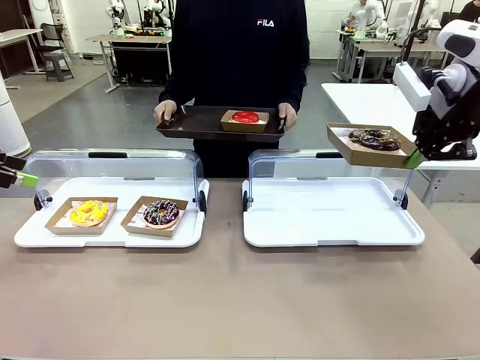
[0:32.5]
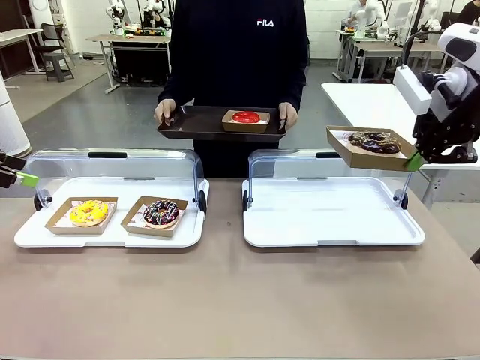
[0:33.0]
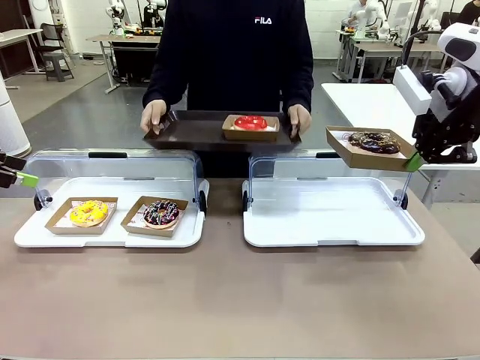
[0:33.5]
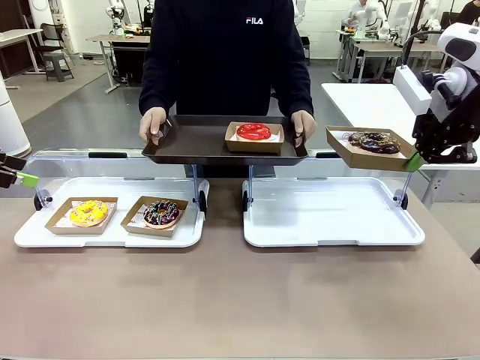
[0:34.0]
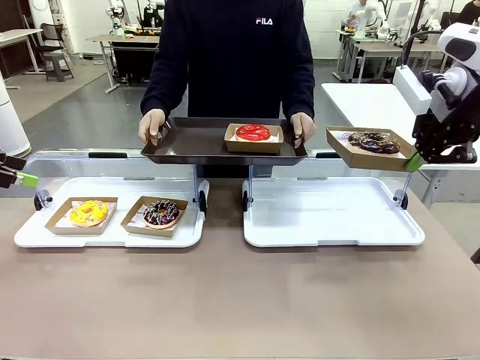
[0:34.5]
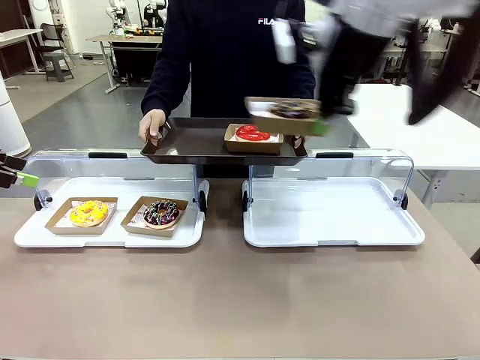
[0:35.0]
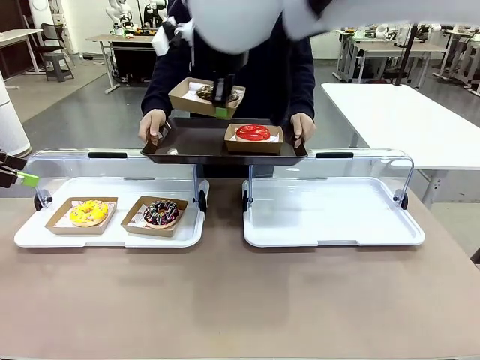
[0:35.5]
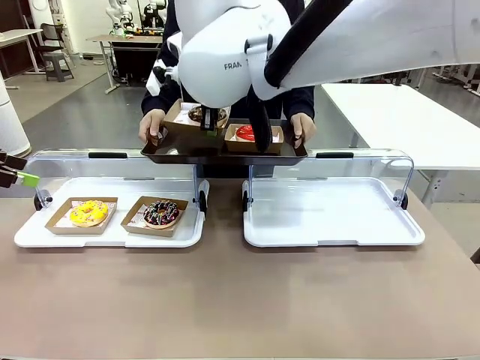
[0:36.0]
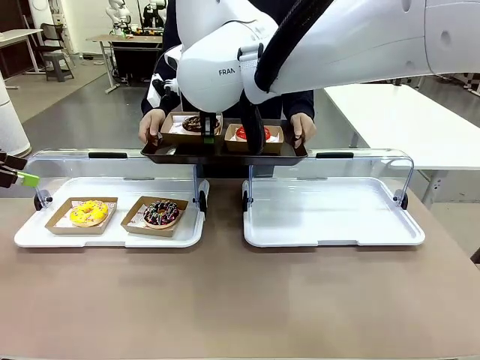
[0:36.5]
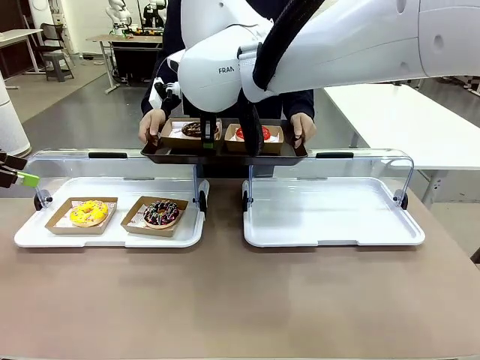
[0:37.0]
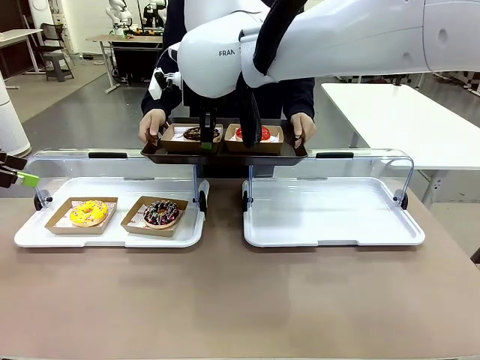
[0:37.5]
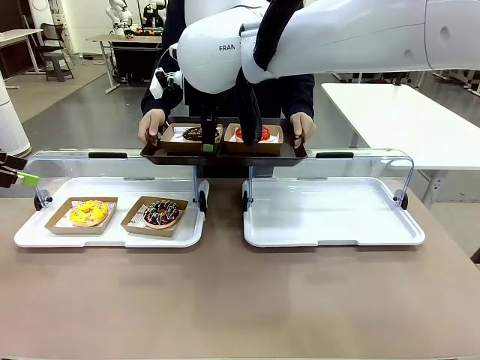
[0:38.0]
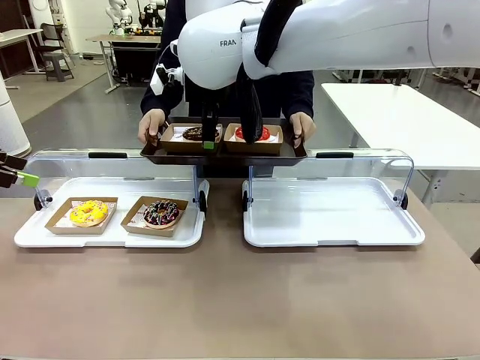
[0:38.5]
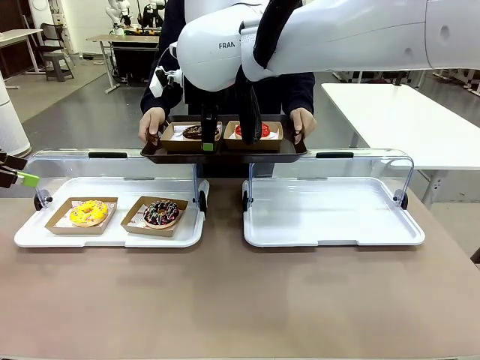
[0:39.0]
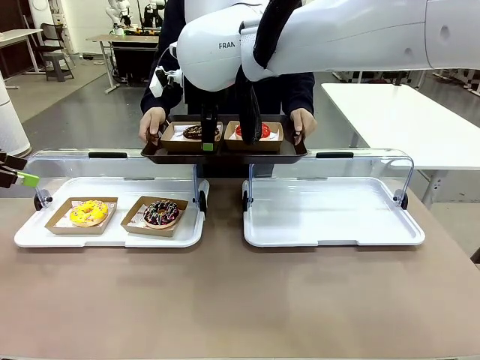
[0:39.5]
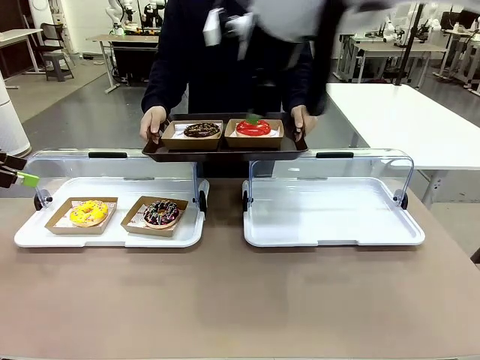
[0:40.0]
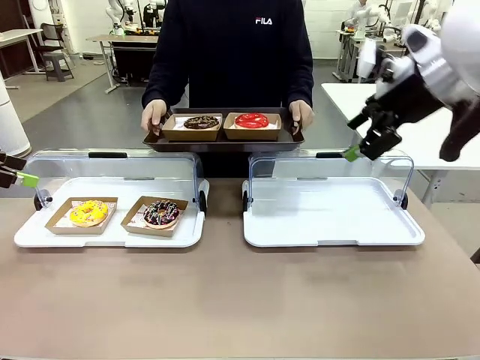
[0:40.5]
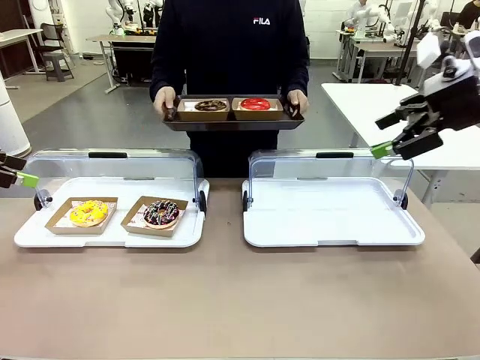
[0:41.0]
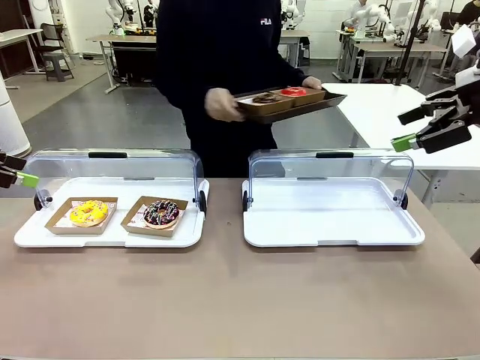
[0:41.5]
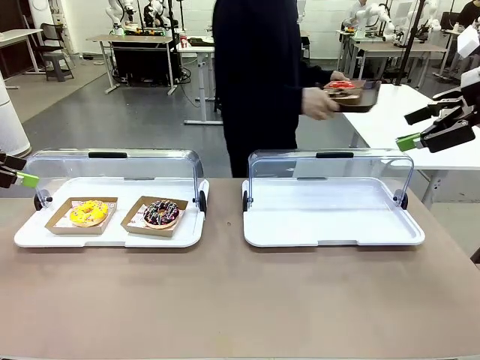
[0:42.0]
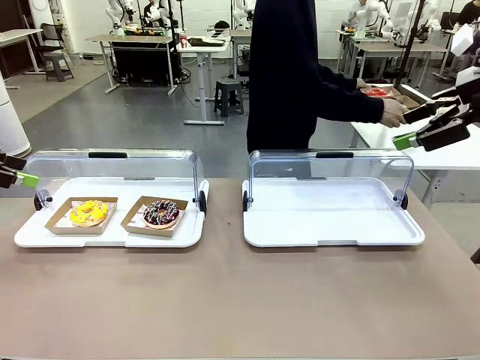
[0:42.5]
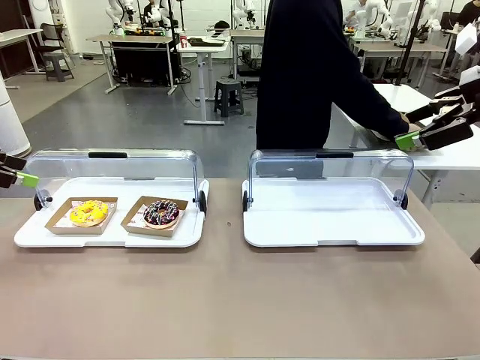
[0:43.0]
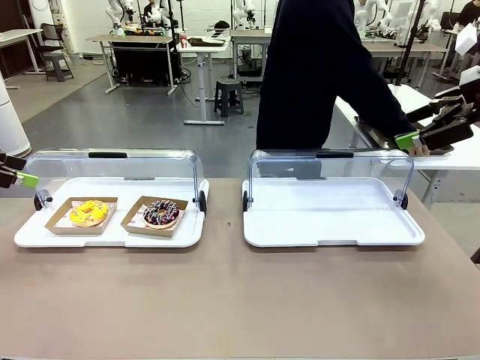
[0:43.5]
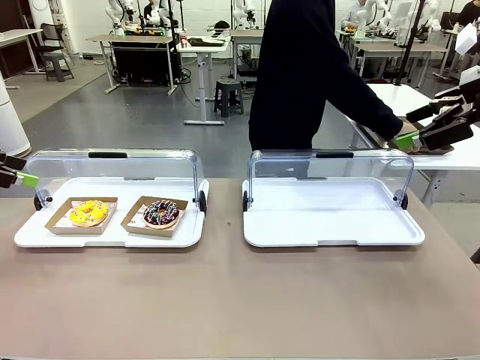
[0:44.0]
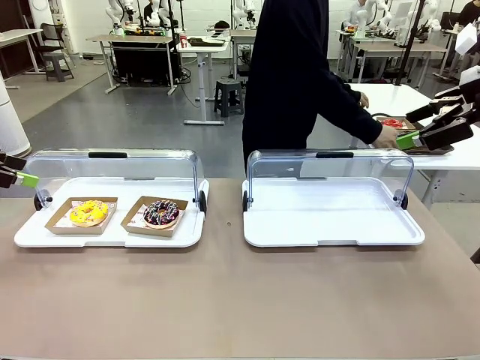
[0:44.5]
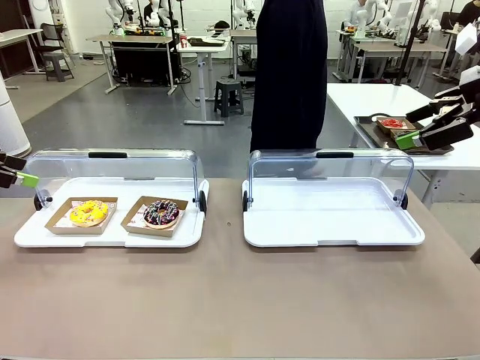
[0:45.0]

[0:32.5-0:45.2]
Task: Provide the desired donut to the person.
Robot: Place the picked Paper togo box onto the Handle tray extended by the person.
Person: Place the tray in the middle of the human table.

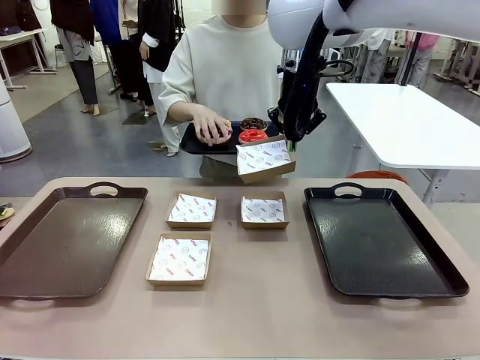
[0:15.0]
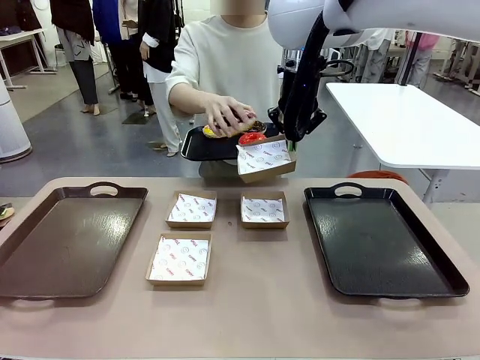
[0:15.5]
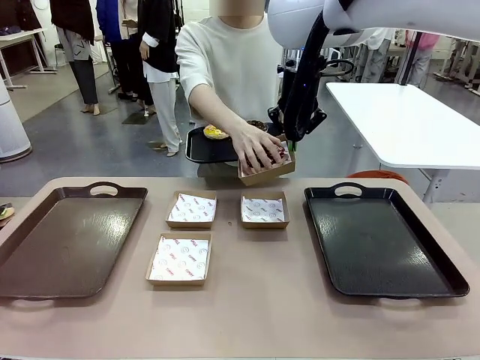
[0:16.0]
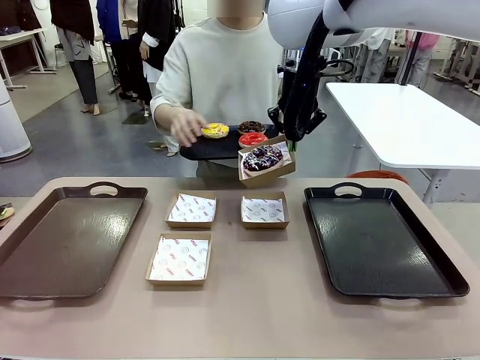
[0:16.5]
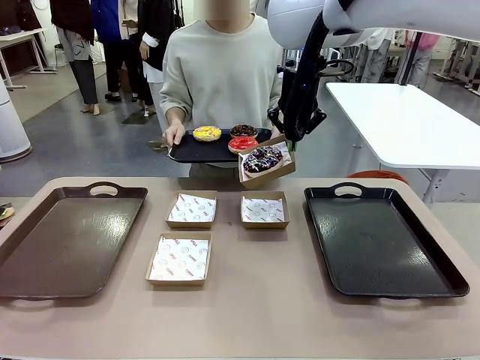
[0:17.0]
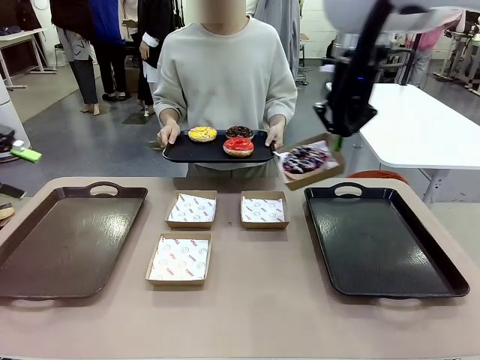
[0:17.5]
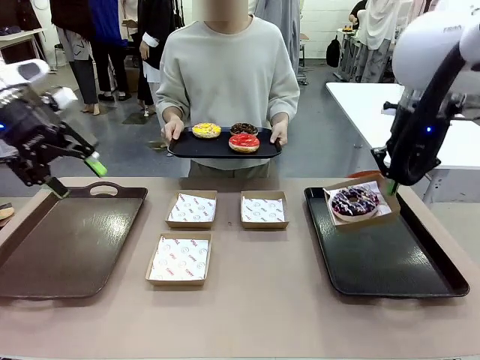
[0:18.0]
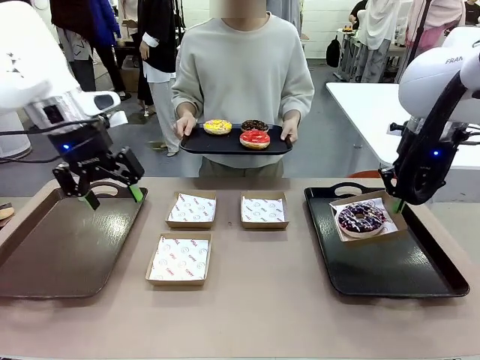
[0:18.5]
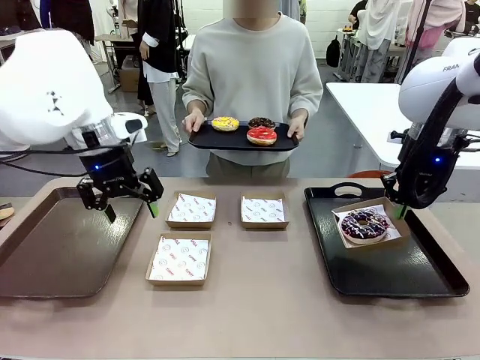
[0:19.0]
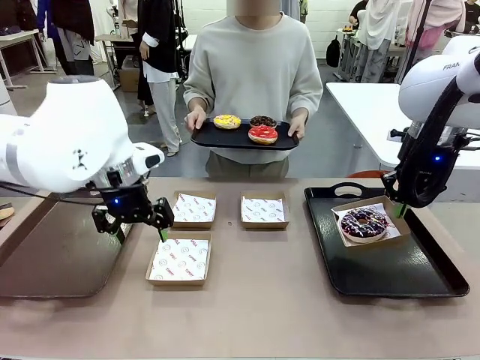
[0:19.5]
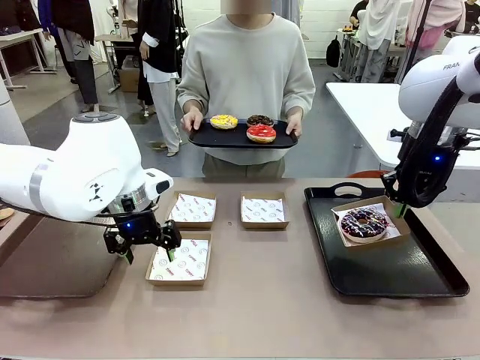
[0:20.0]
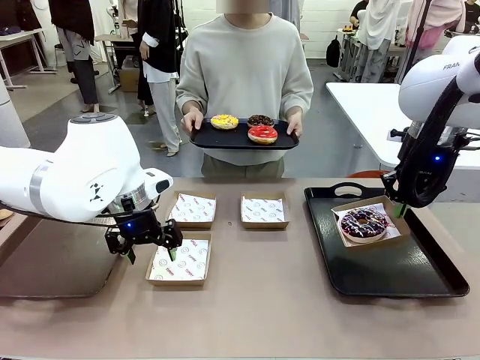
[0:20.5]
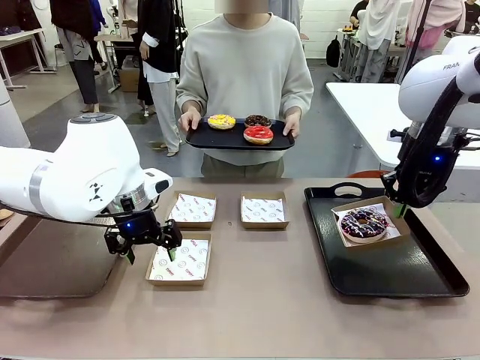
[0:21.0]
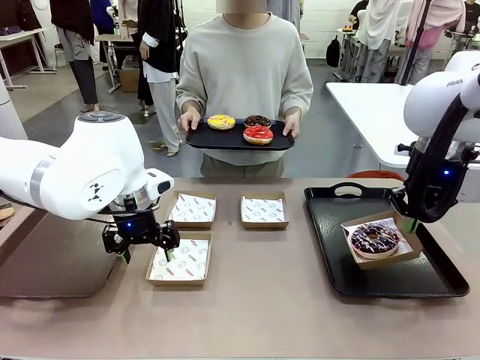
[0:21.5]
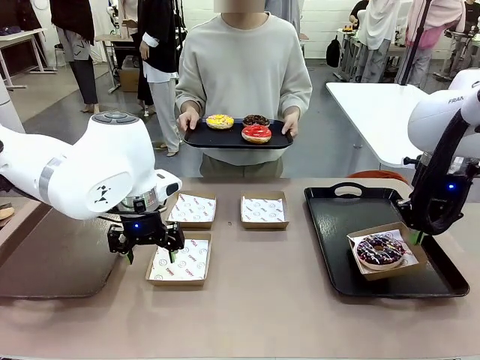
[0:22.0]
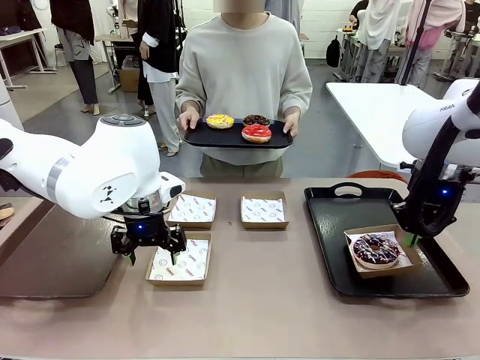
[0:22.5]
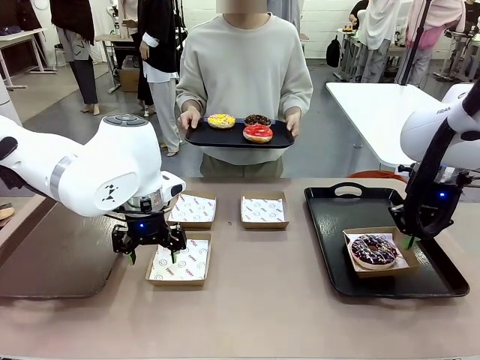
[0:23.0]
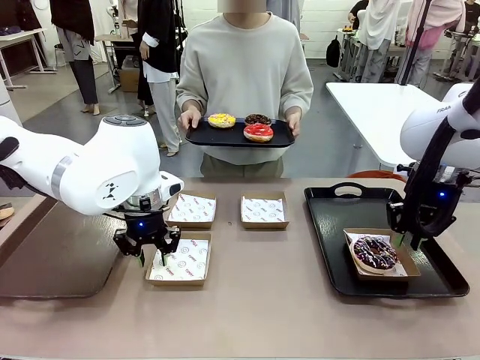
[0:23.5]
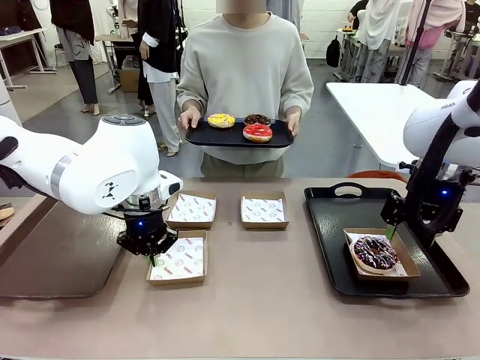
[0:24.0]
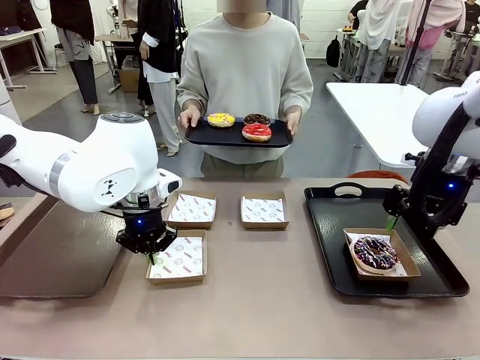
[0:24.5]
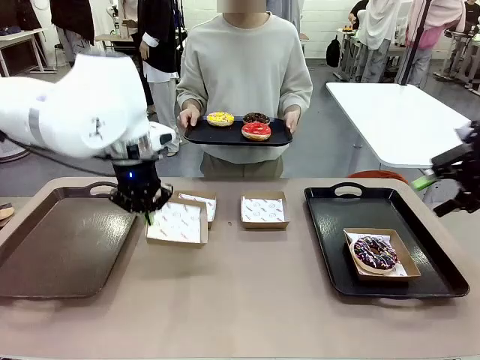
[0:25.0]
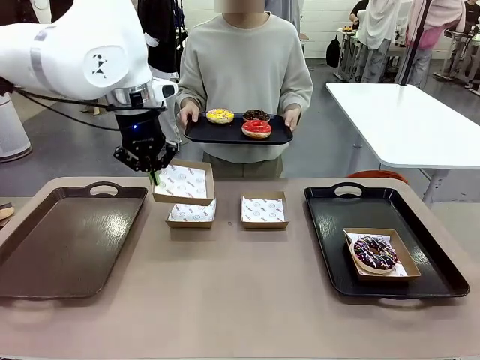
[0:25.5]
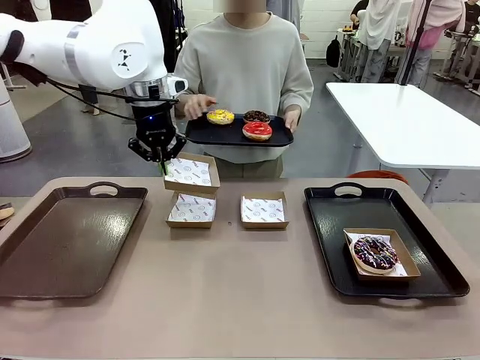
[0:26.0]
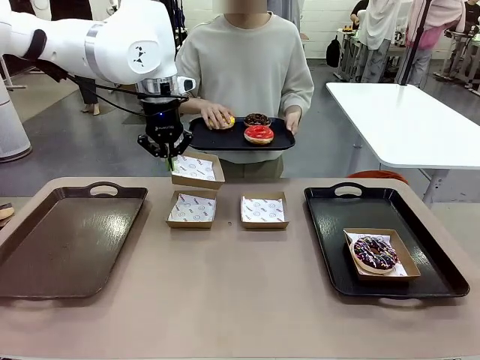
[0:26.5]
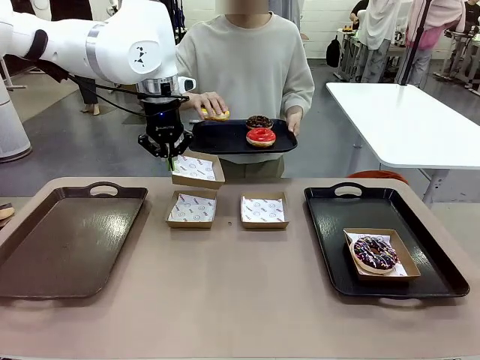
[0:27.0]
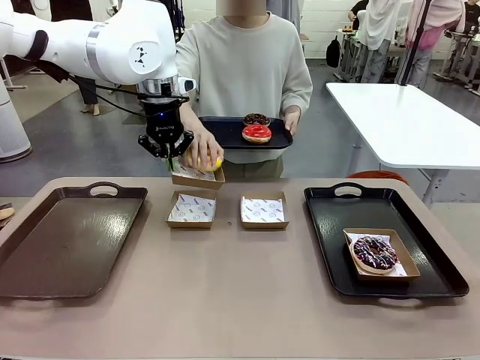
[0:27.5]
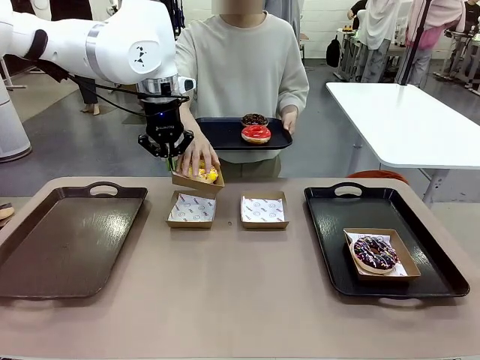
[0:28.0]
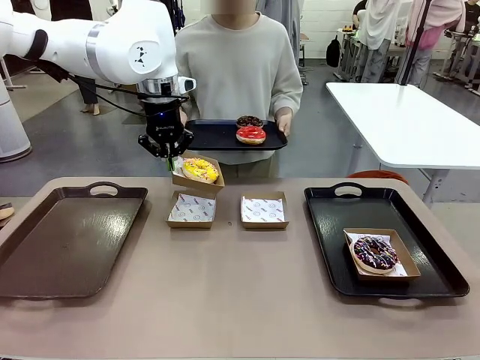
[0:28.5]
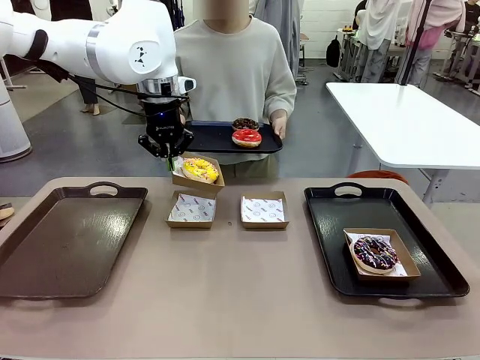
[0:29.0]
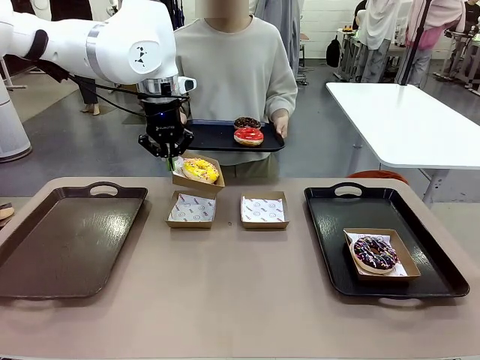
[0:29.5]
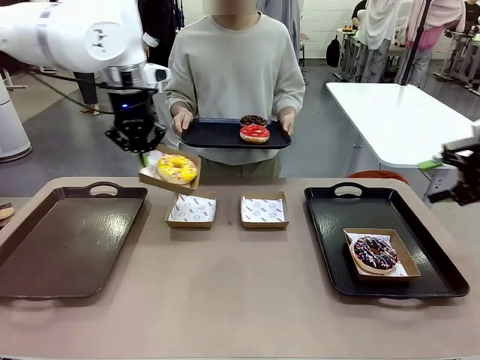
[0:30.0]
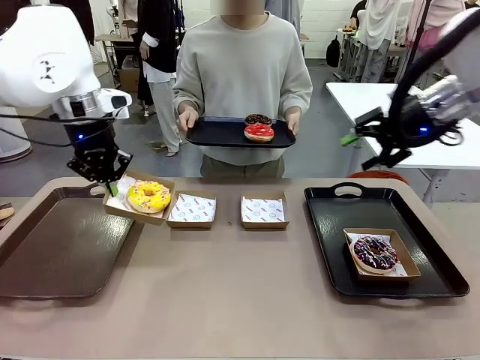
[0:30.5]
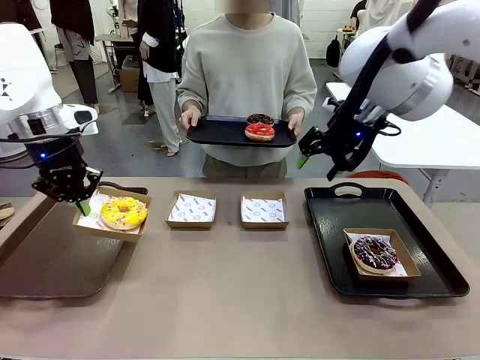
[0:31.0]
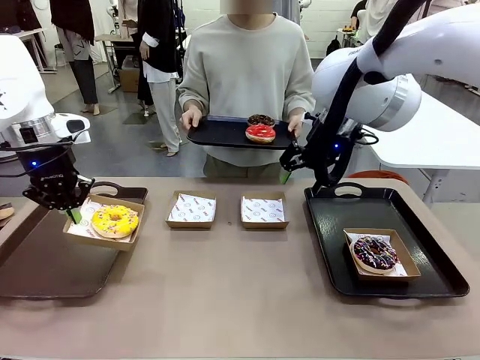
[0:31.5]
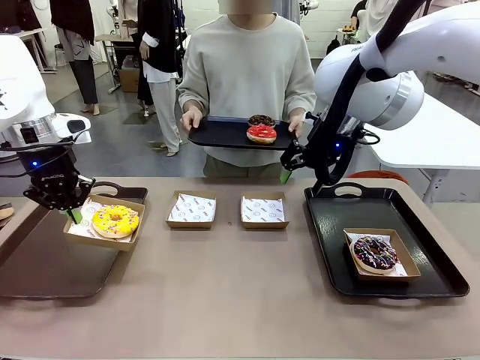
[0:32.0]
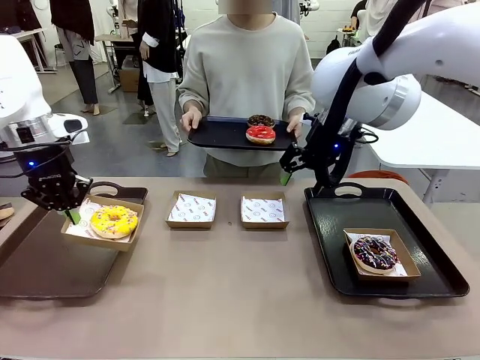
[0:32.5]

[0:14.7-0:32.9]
Task: Individually package the donuts and arrange them on the tray.
Robot: Place the picked Paper togo box on the Handle tray while simultaneously picking up another Paper togo box from the table with the other hand.
